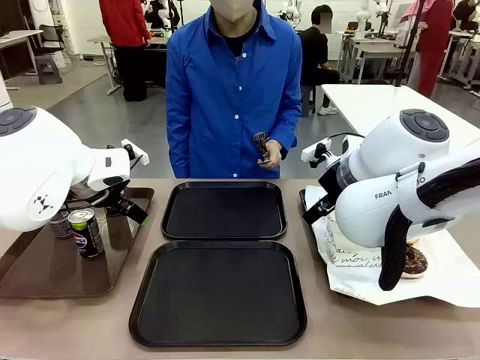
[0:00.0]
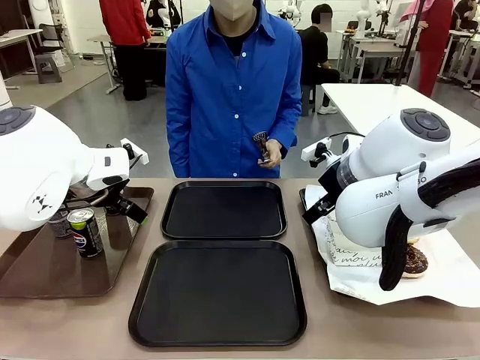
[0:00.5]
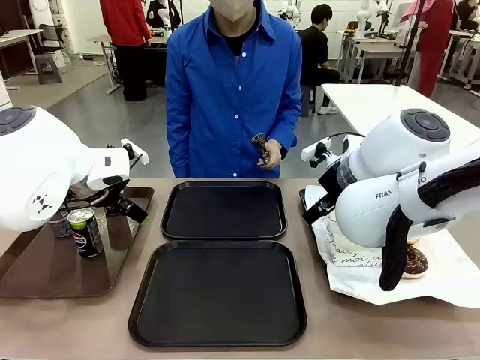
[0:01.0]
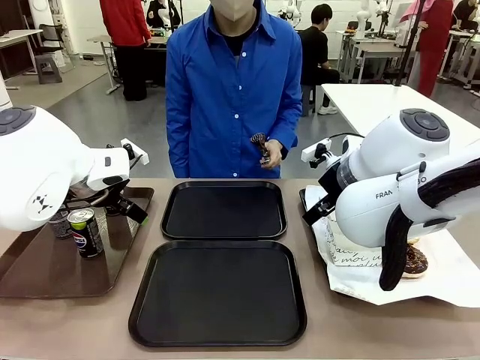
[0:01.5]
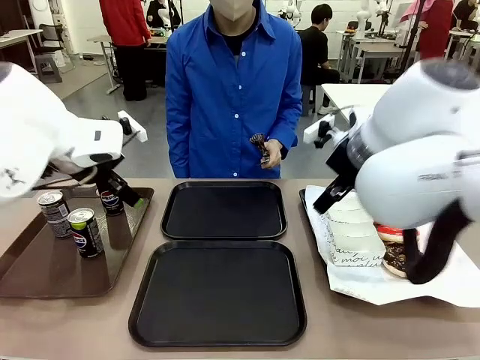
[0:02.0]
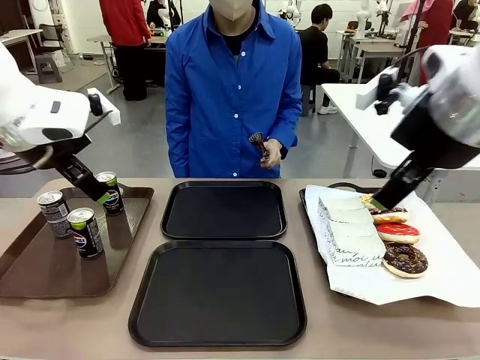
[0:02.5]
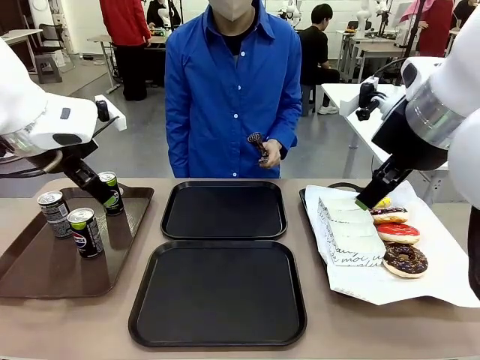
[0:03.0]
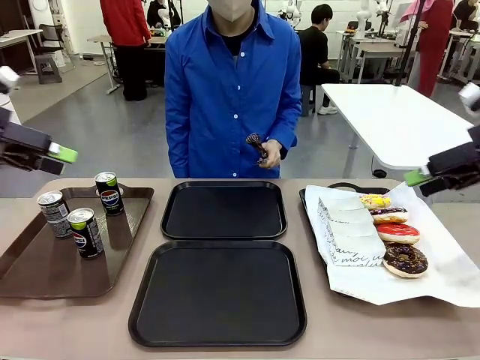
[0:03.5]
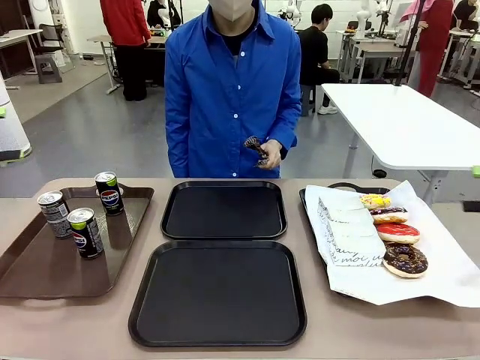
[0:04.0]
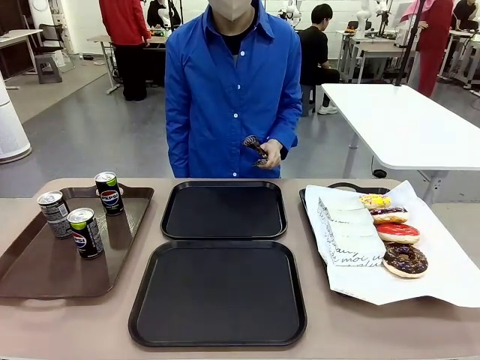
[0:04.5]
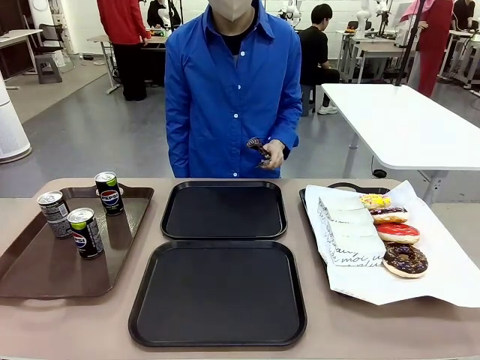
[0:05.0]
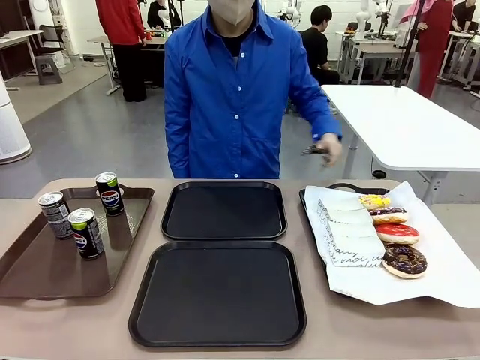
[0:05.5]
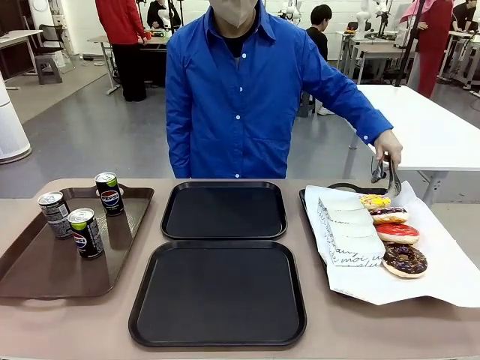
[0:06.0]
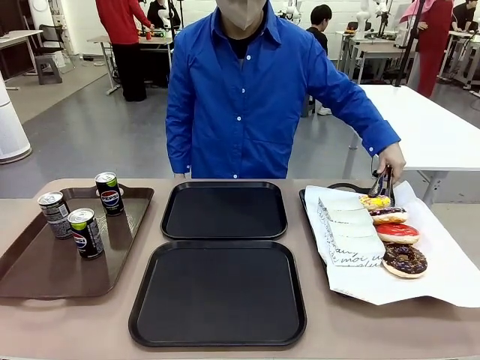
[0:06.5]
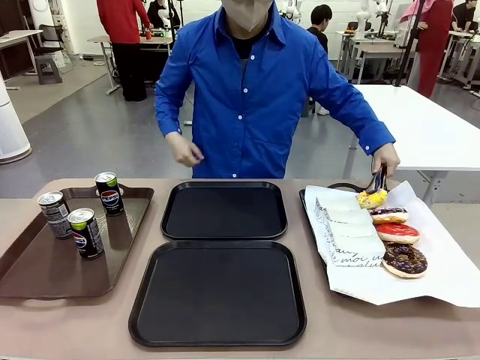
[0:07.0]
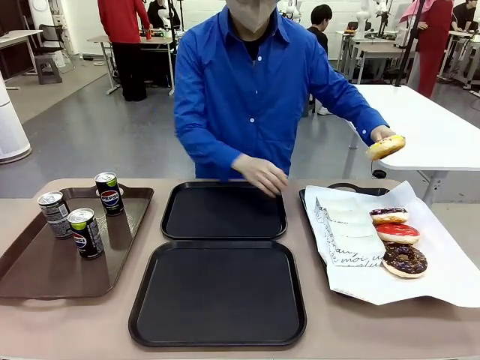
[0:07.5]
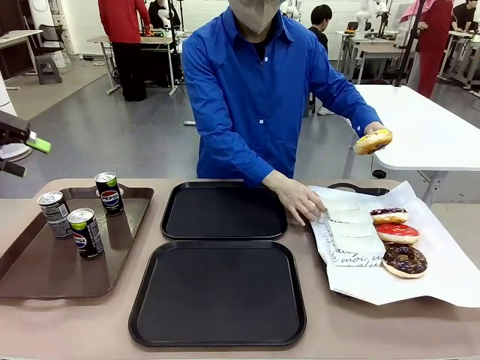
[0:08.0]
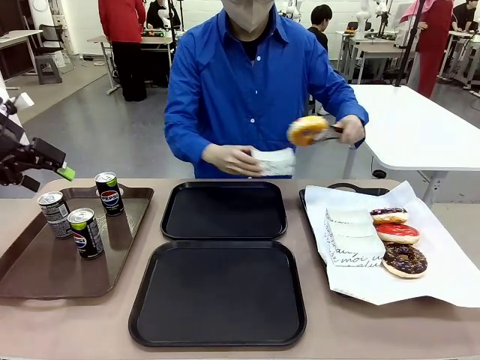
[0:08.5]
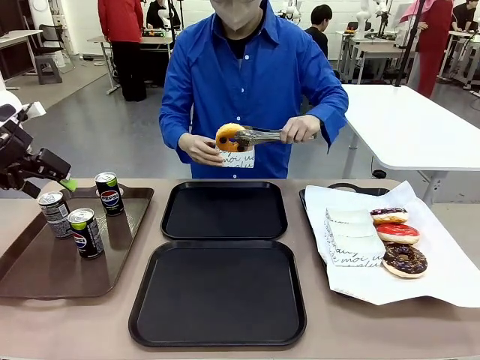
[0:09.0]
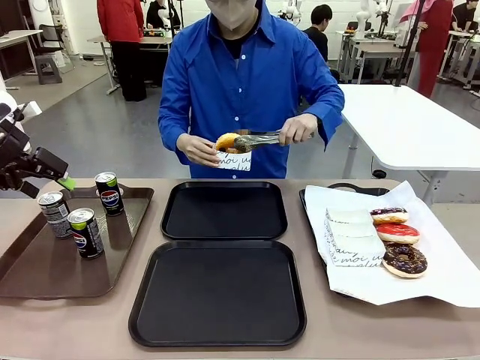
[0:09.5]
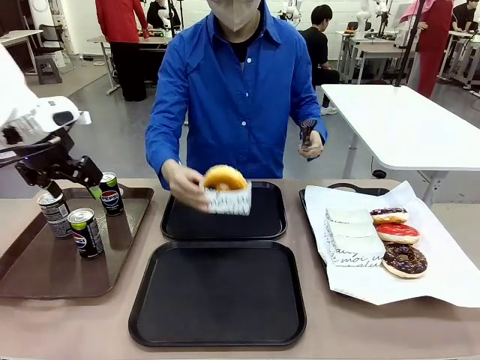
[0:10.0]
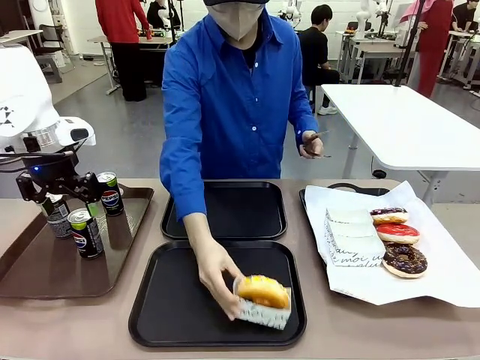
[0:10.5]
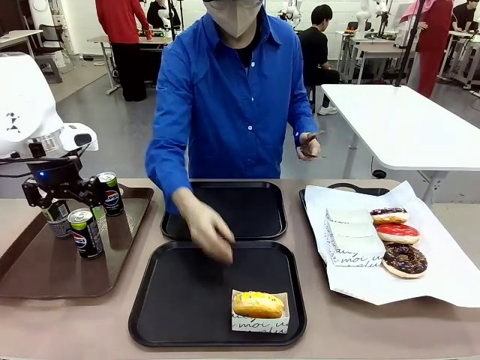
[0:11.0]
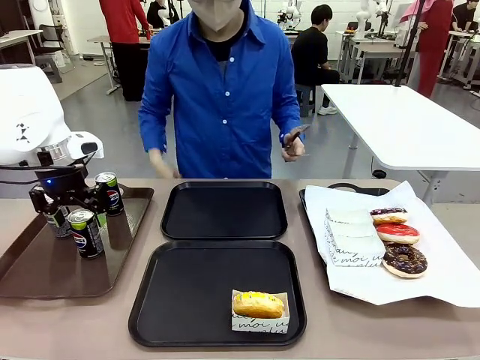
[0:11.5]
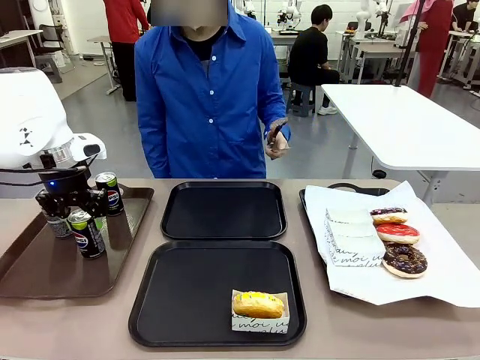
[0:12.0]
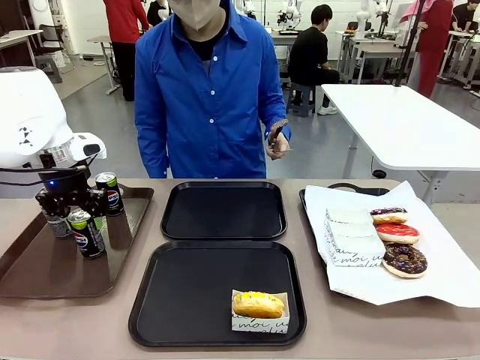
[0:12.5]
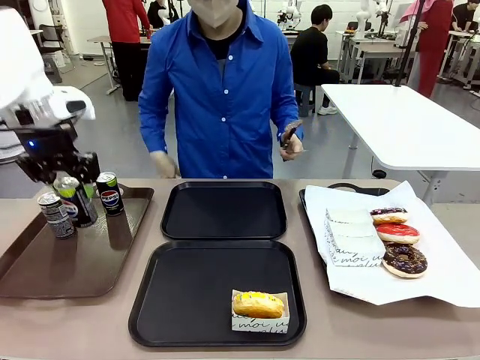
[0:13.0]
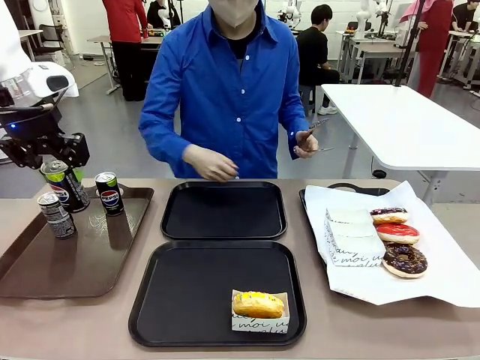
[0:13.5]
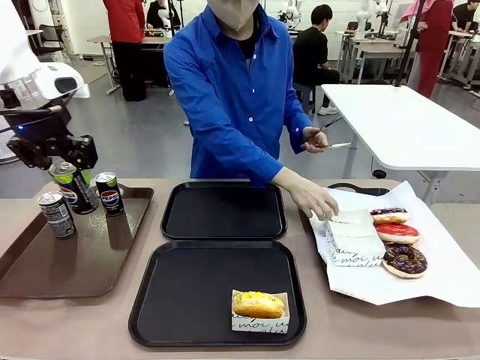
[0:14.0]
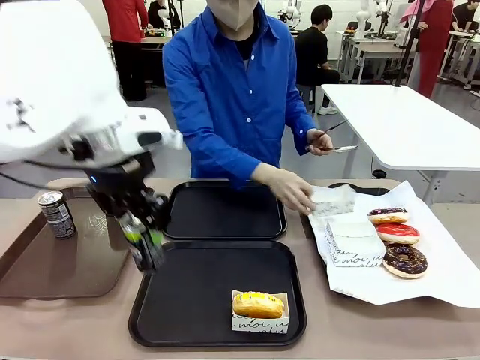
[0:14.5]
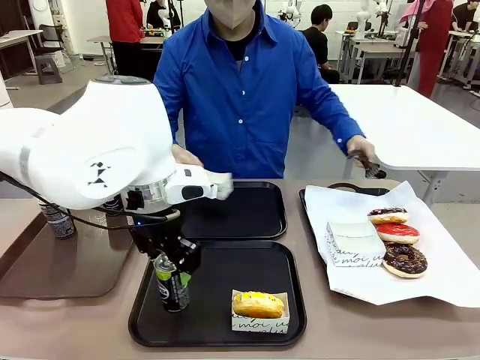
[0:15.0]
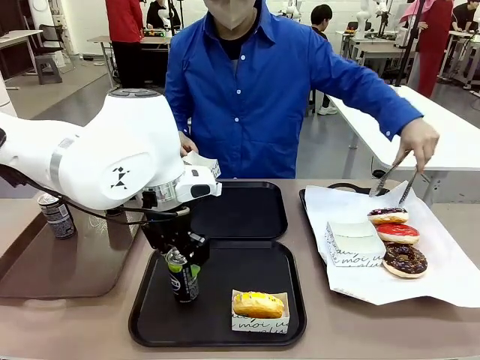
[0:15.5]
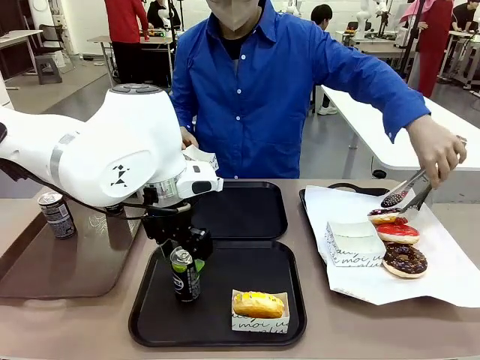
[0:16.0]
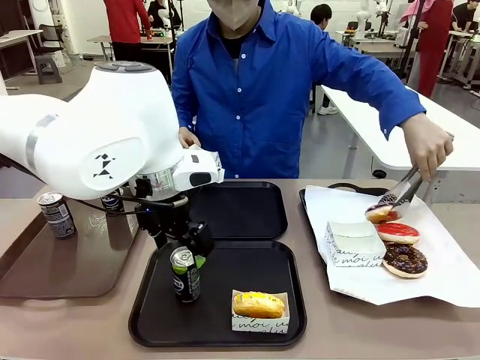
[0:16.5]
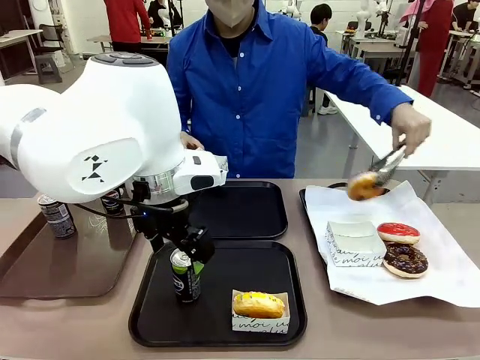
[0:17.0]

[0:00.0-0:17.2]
Task: Set up donuts and drinks on trays.
Robot: Pick up one Pepsi coke and place it on the Flat Tray.

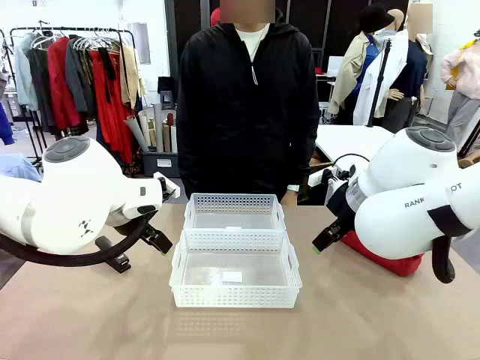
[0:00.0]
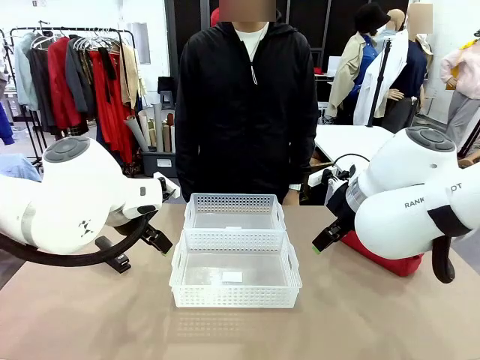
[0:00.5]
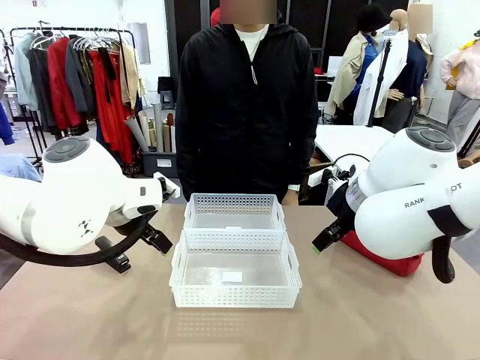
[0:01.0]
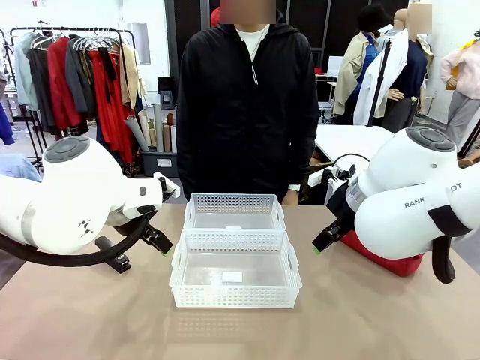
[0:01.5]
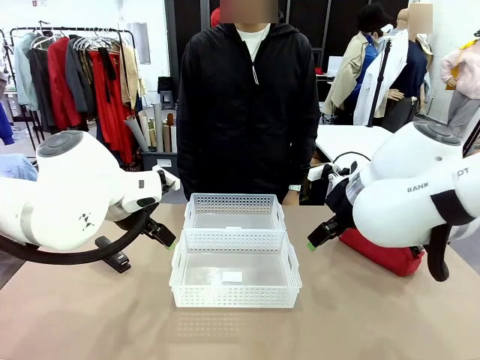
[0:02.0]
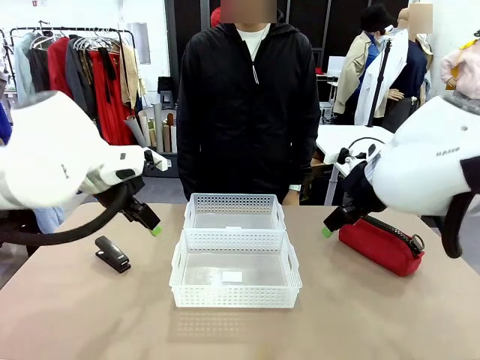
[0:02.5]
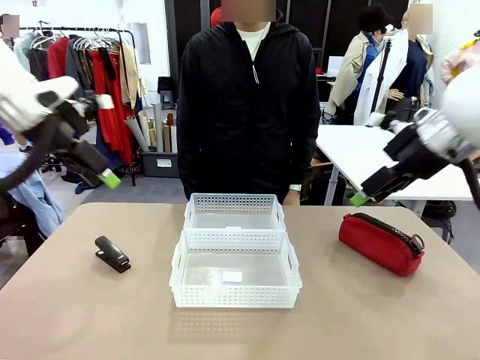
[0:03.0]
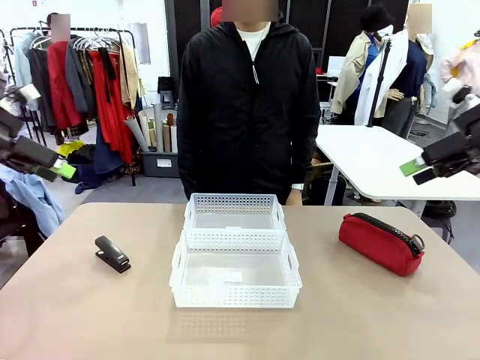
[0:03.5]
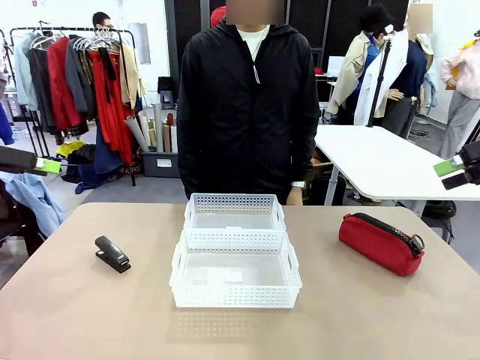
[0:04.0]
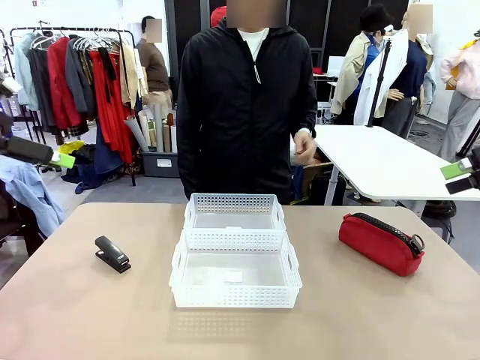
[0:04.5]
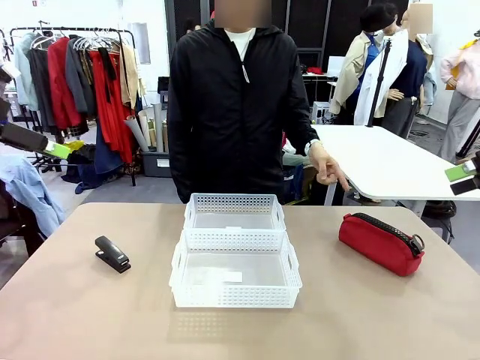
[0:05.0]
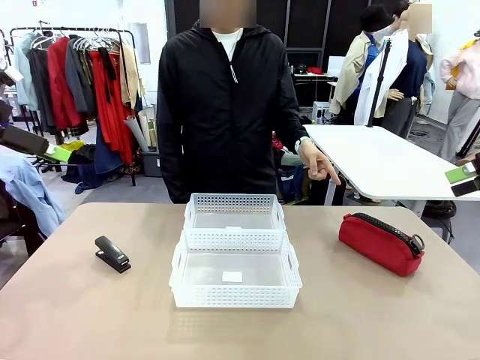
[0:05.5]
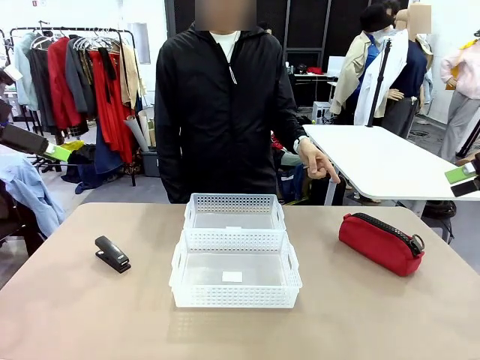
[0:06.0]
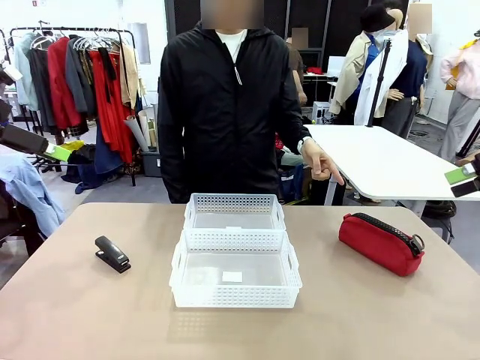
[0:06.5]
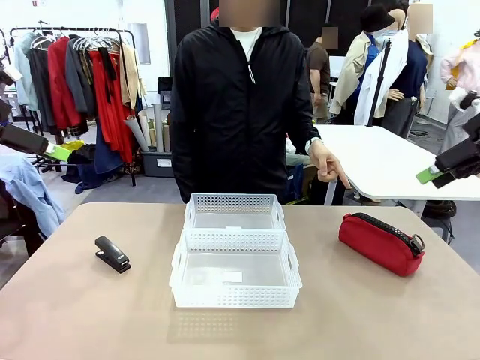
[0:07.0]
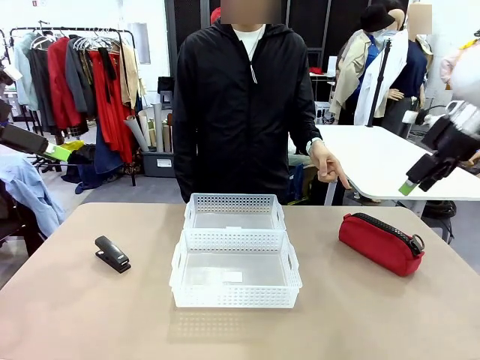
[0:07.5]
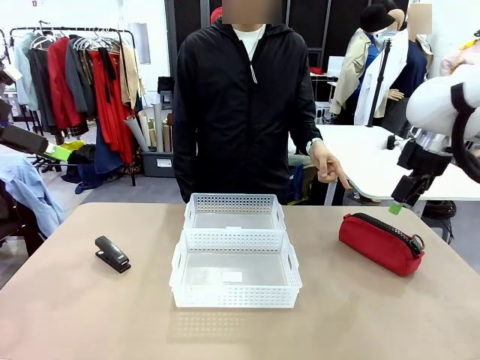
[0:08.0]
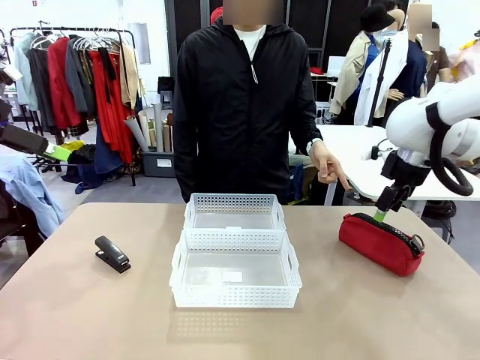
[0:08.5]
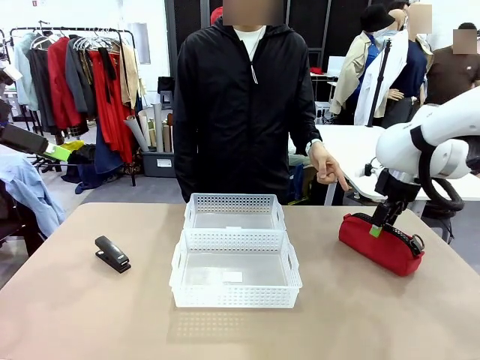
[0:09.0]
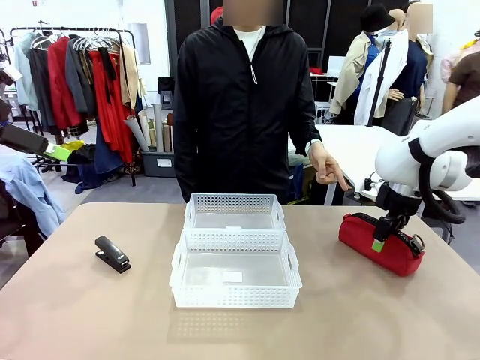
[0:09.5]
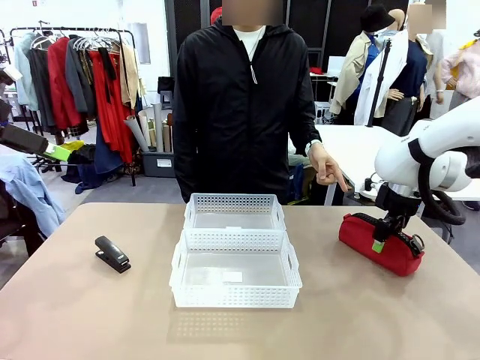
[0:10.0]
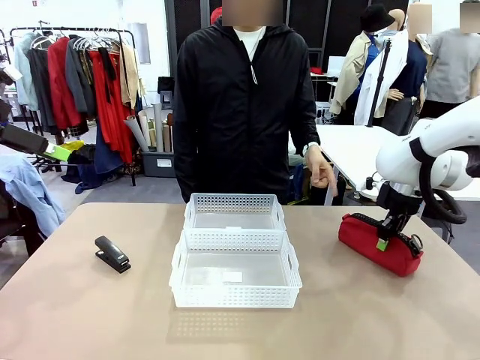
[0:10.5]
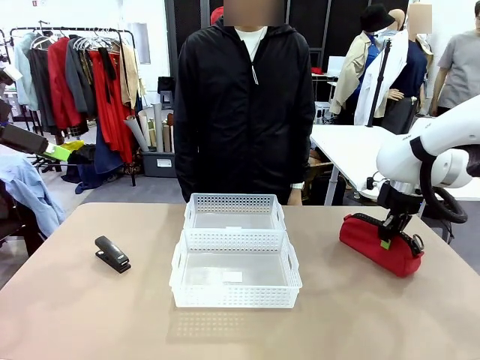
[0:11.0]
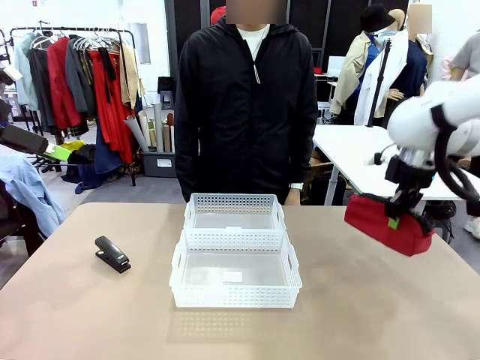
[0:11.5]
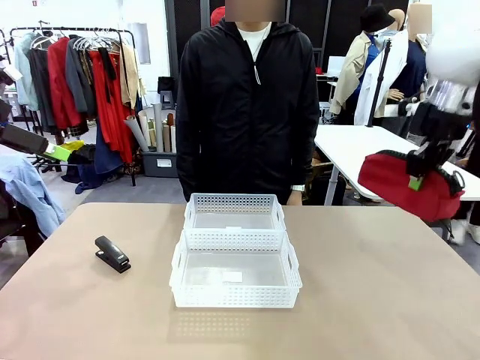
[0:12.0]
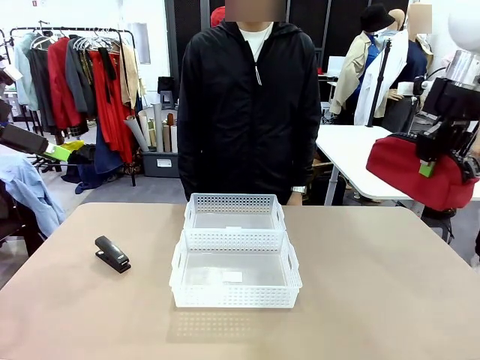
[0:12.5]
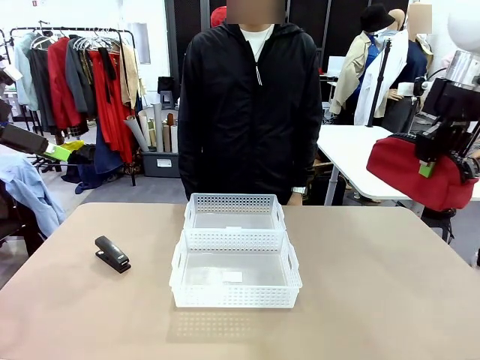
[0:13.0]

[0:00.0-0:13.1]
Task: Distribute items into two baskets.
Robot: Pick up the Pencil pouch that the person points to.
Person: Points to the pencil case. Points between the two organizing baskets and instructs the robot to move the pencil case.
